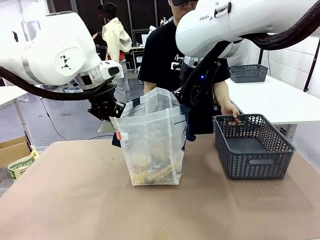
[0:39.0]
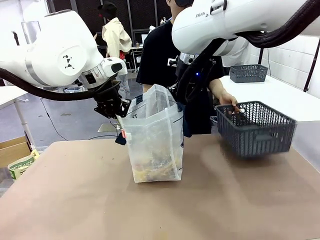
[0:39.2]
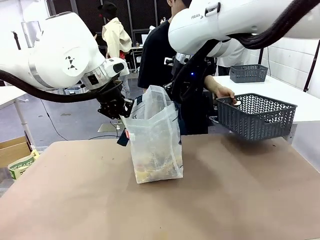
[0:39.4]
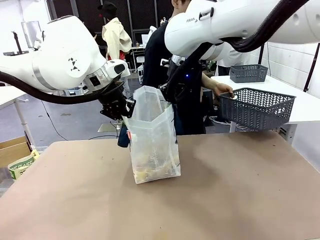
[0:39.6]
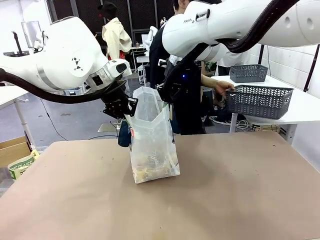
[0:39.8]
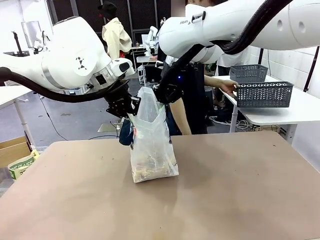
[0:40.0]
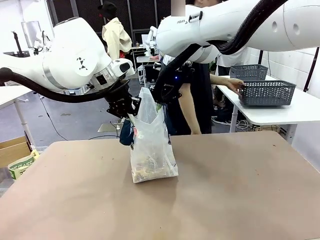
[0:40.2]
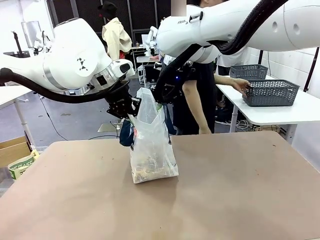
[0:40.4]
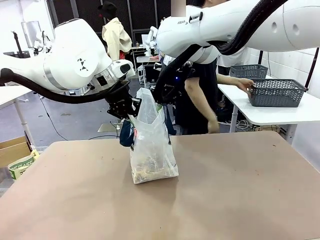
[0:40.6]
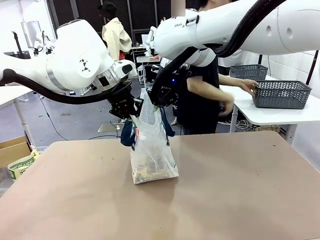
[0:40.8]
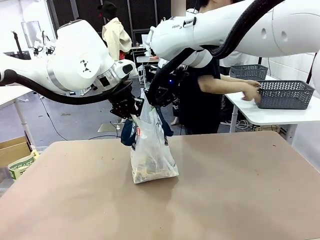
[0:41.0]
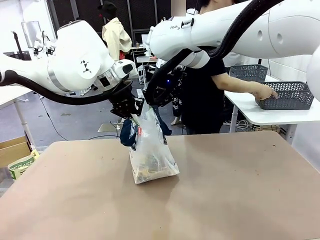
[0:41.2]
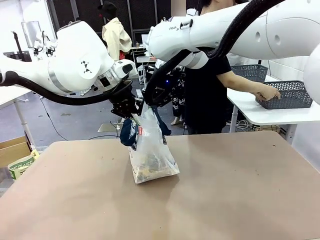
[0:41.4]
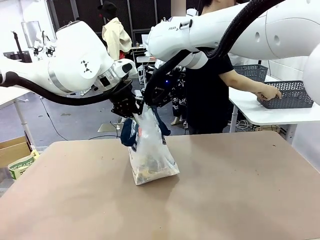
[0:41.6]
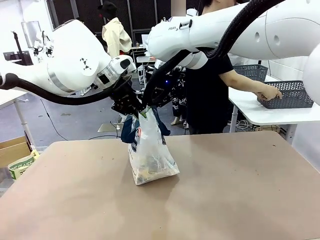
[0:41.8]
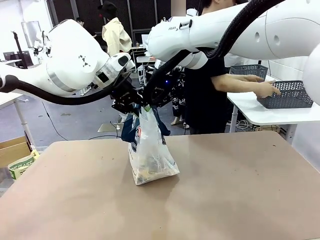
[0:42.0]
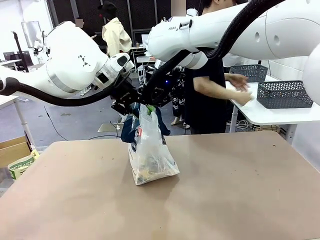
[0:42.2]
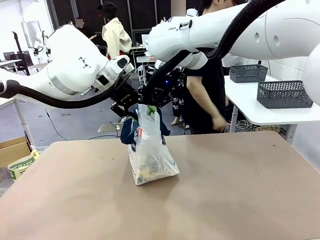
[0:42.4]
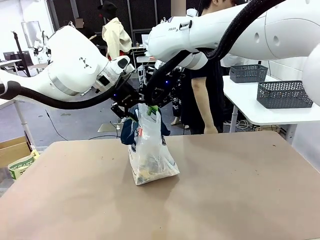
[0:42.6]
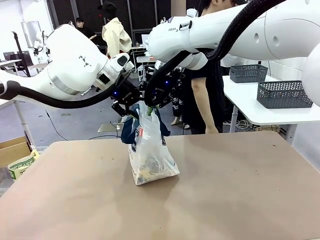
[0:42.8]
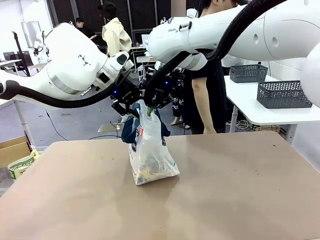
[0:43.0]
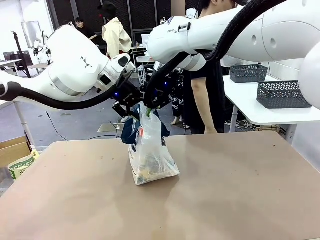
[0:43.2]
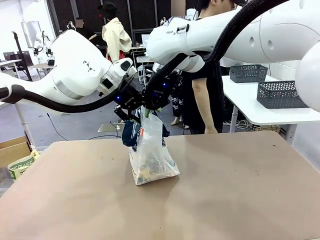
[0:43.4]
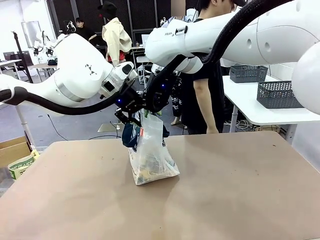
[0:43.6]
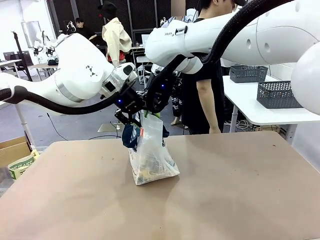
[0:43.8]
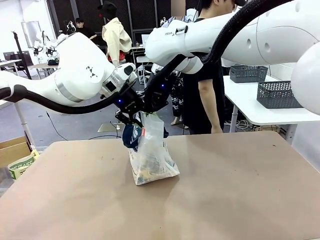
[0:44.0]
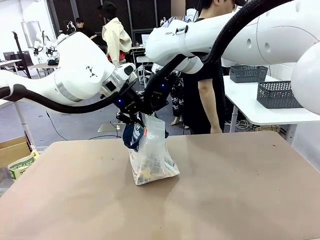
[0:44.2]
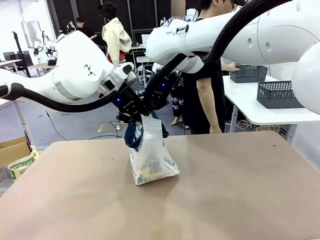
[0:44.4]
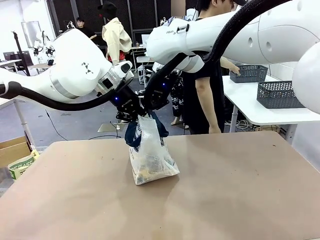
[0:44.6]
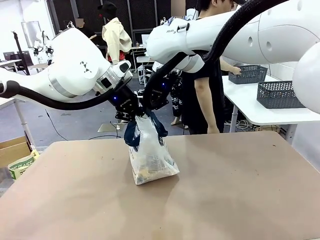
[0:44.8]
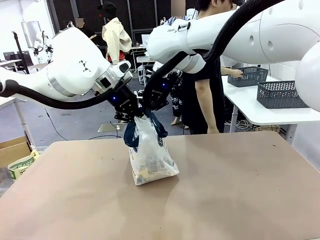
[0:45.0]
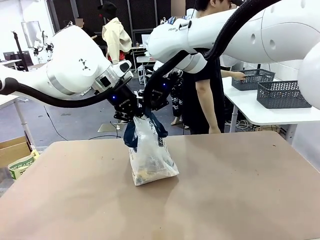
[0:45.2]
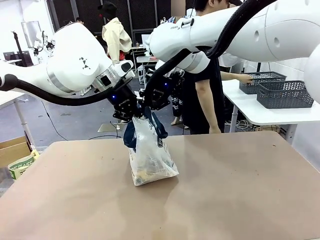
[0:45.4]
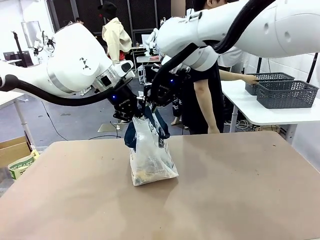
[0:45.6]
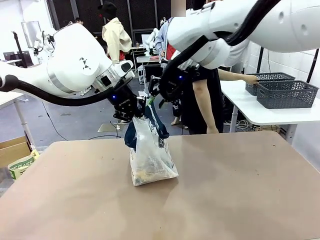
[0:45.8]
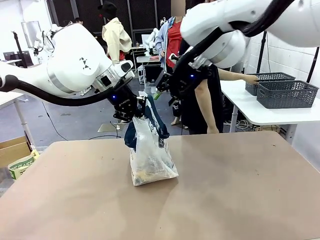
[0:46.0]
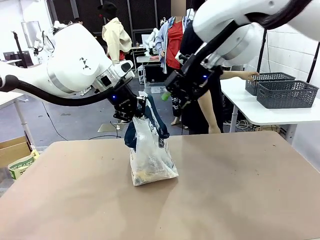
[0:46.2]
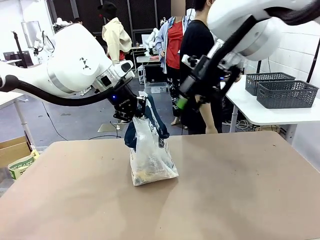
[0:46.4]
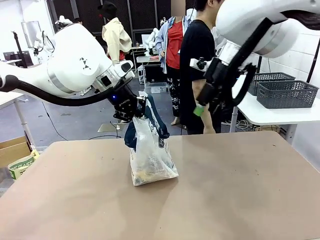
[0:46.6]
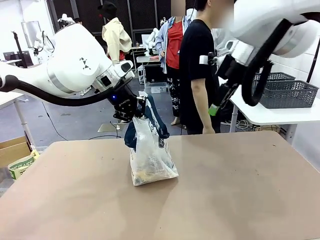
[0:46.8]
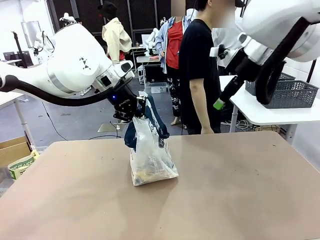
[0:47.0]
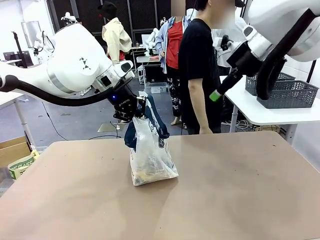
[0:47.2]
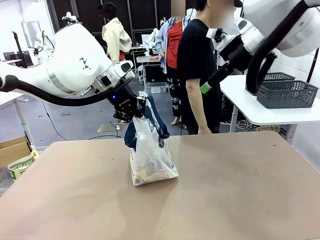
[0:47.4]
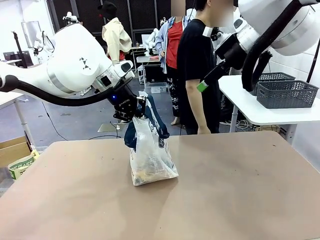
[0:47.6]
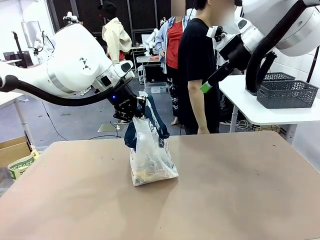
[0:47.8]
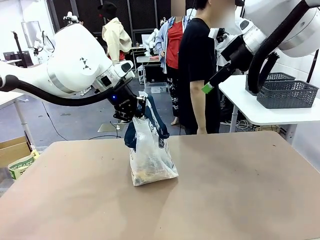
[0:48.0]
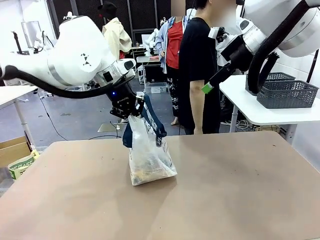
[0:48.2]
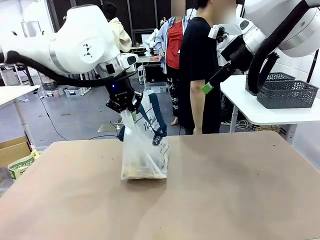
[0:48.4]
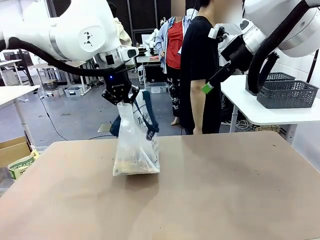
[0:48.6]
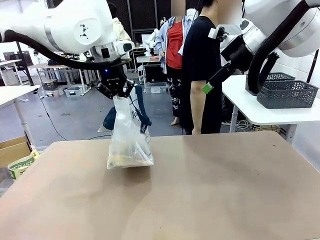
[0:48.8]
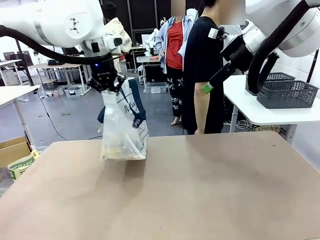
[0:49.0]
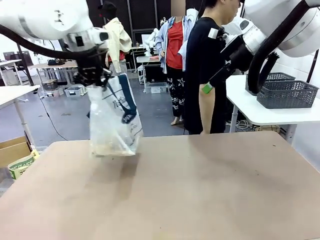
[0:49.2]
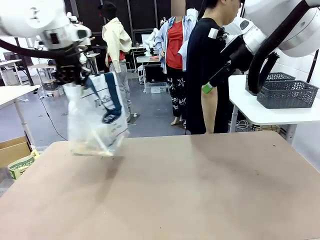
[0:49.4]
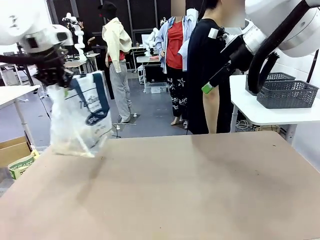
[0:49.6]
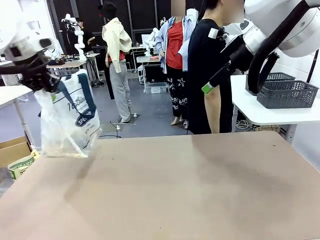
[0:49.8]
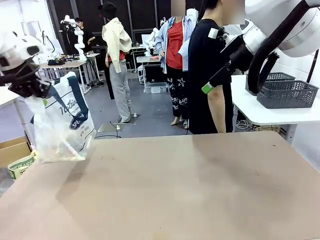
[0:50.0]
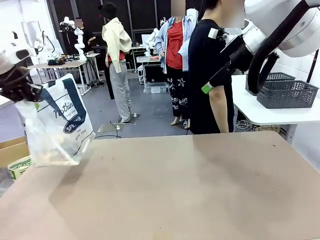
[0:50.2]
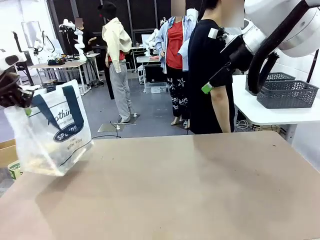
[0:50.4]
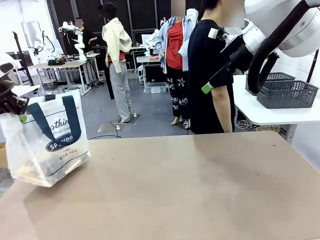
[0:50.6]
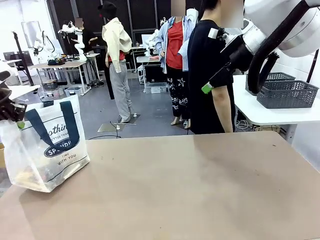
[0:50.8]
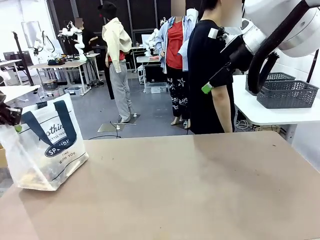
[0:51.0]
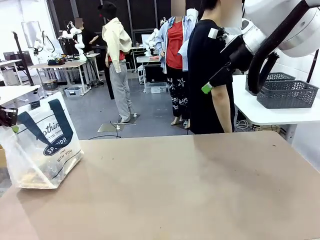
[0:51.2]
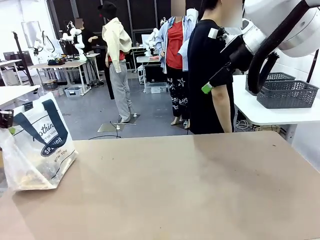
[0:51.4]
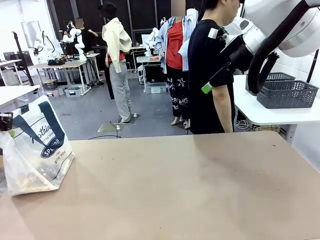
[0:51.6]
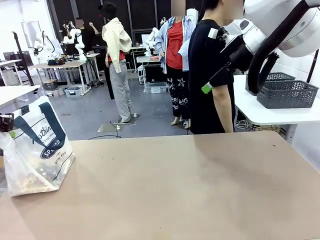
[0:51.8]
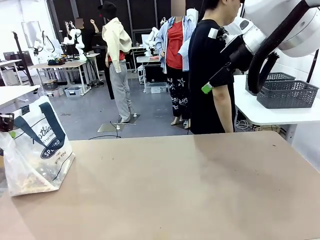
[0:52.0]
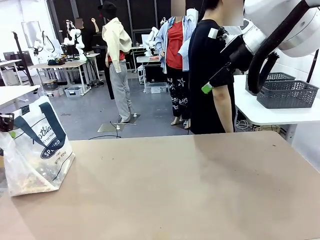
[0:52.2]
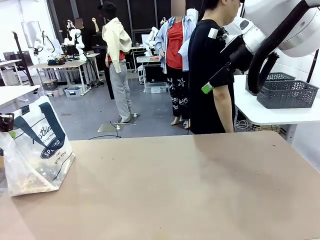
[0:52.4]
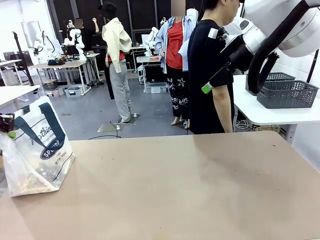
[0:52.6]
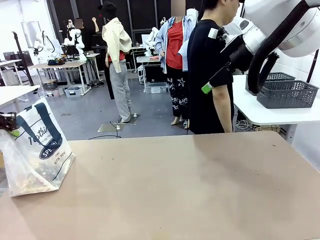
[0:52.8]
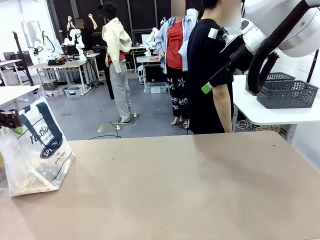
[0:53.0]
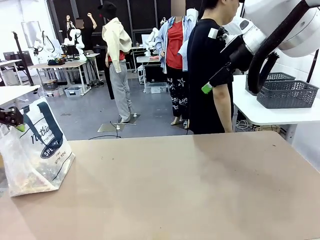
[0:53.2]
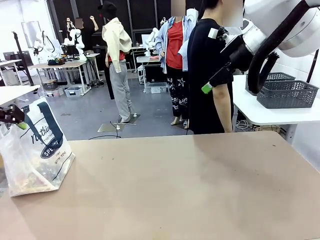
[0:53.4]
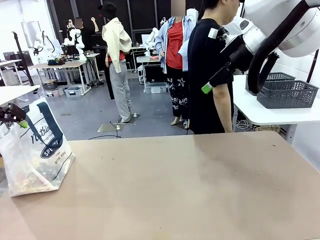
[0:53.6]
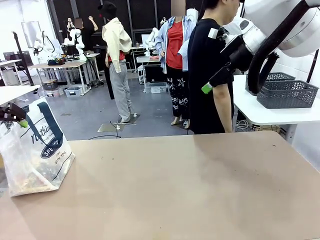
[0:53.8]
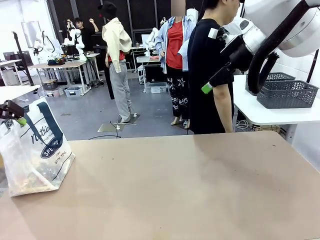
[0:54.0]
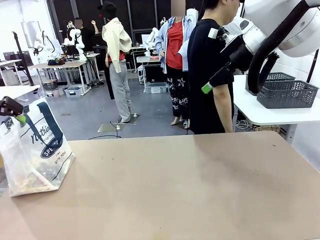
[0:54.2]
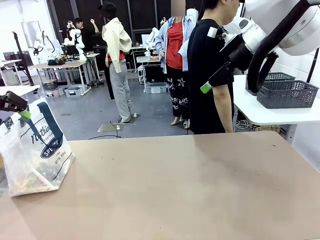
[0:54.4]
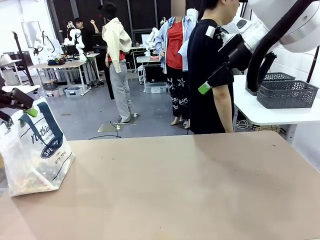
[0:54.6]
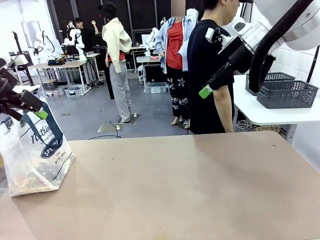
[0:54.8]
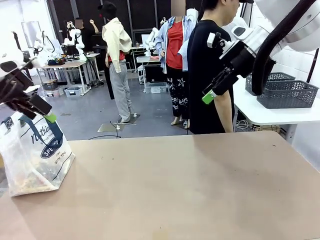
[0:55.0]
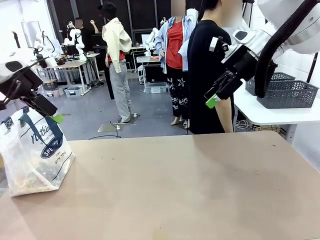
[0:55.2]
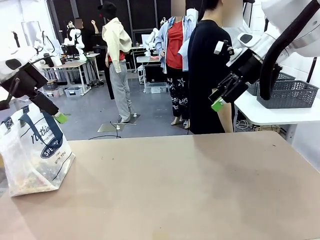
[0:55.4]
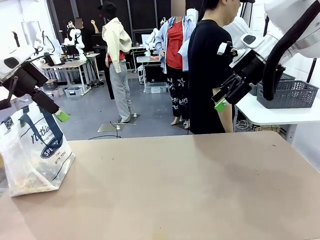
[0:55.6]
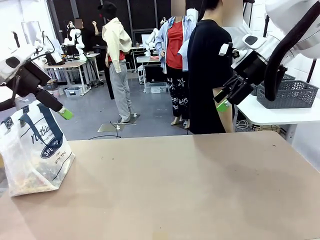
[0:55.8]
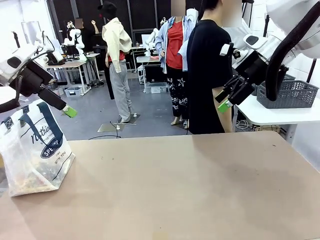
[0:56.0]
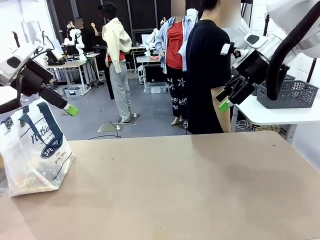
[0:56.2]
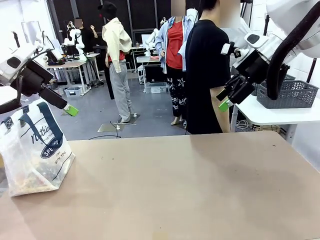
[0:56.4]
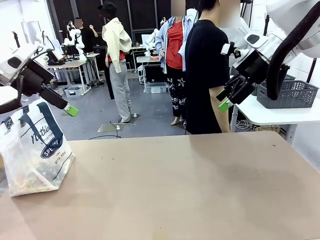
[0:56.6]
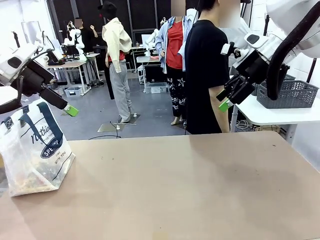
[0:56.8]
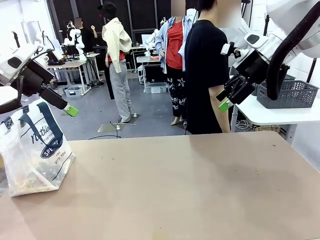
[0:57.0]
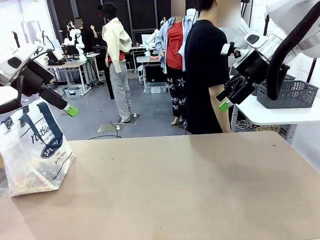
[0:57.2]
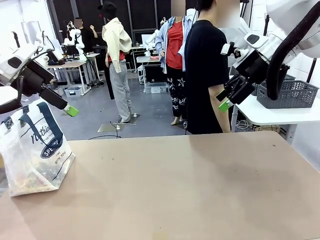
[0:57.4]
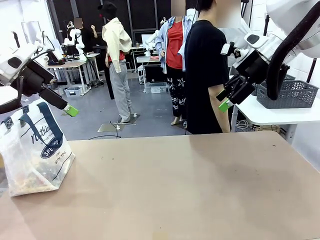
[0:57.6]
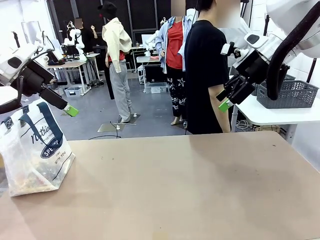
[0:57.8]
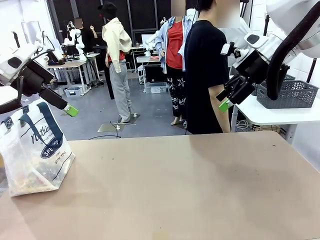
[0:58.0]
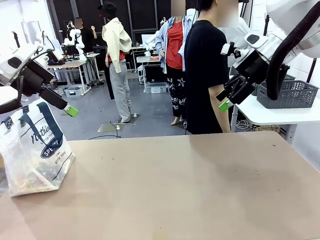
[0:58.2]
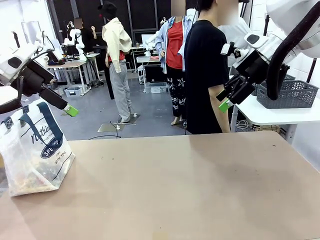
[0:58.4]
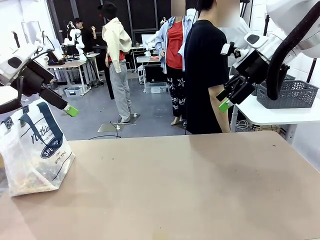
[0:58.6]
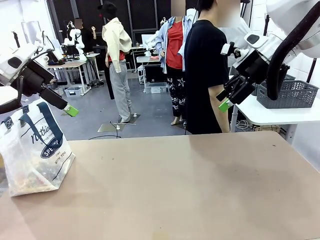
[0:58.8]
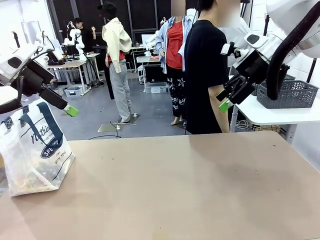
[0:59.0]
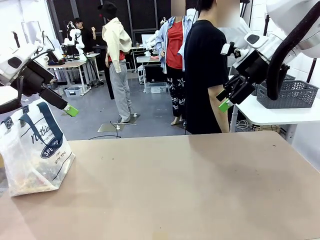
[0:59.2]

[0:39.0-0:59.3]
Task: Transfer purchased items from the store into the shopping bag.
Robot: Move the Reusable shopping bag to the right side of the table.
Person: Pick up the basket with the items out and place it on the right side of the human table. Move the basket on the left to the middle of the person's table.
